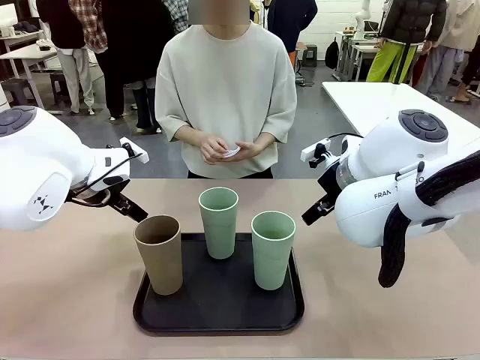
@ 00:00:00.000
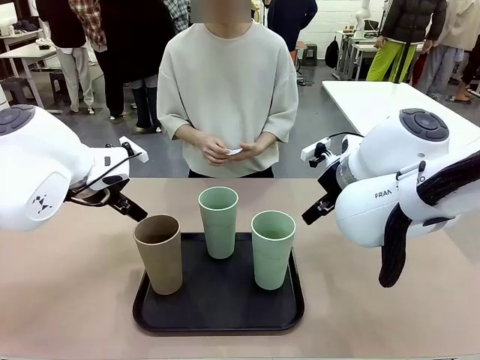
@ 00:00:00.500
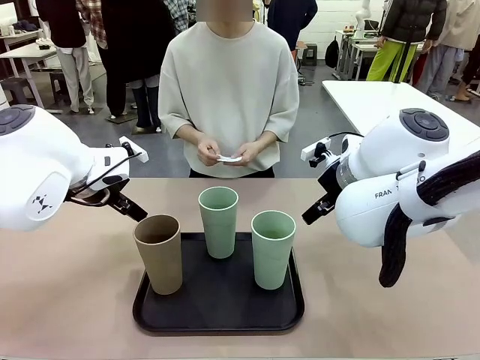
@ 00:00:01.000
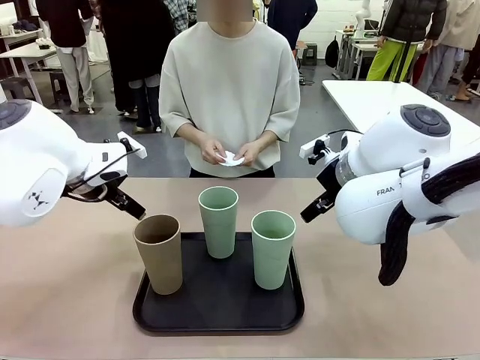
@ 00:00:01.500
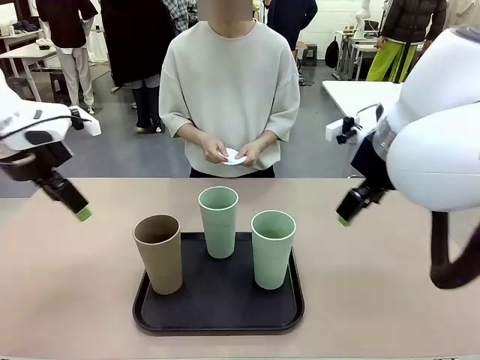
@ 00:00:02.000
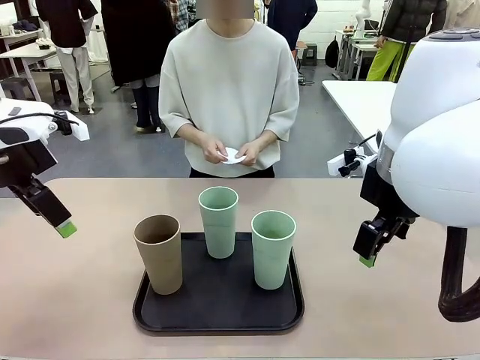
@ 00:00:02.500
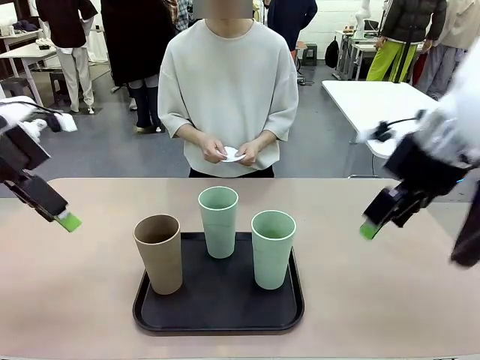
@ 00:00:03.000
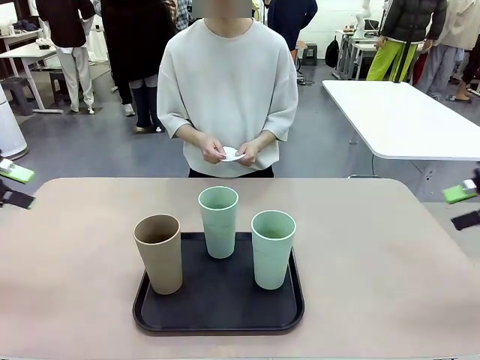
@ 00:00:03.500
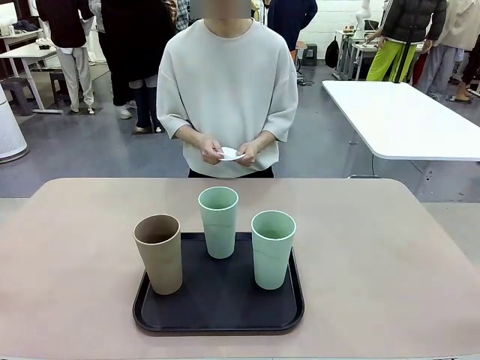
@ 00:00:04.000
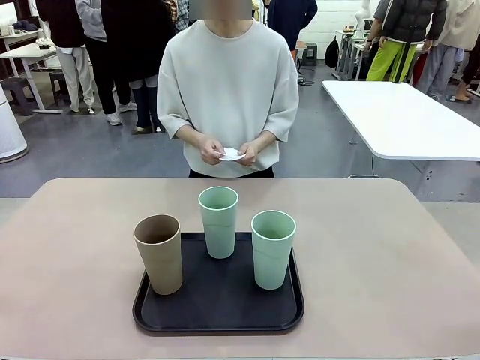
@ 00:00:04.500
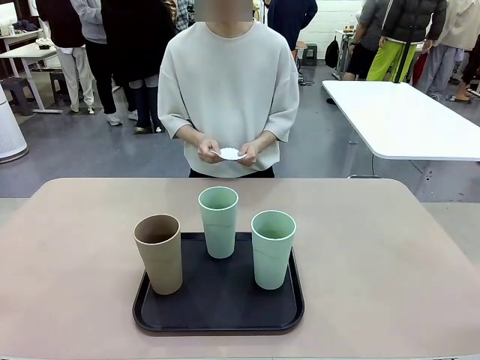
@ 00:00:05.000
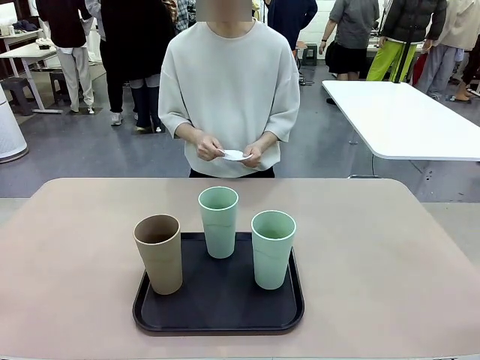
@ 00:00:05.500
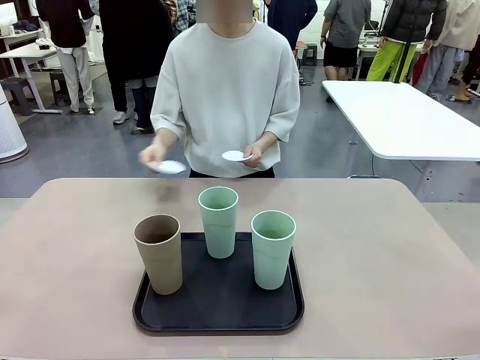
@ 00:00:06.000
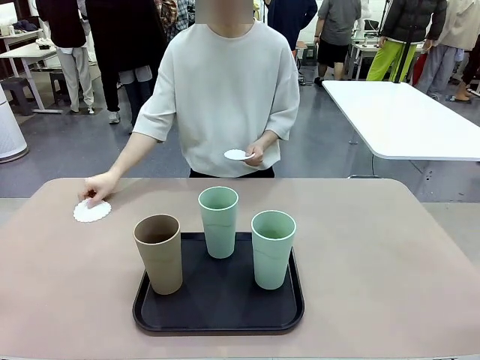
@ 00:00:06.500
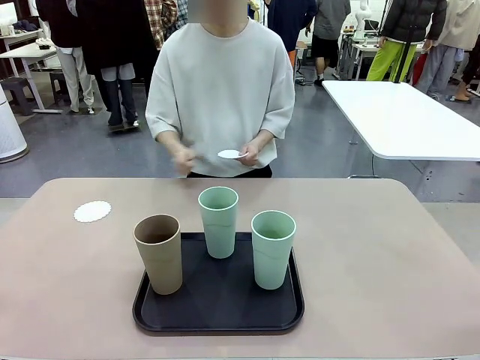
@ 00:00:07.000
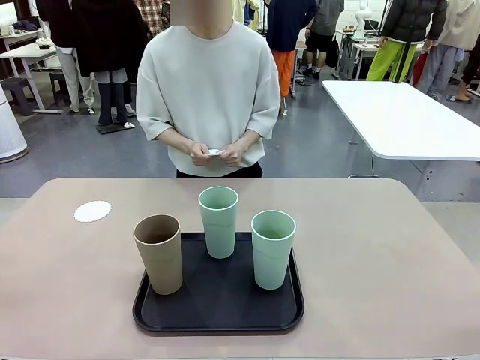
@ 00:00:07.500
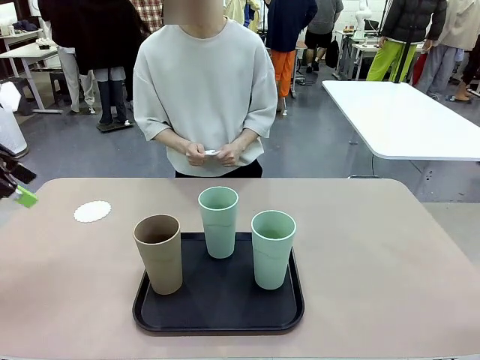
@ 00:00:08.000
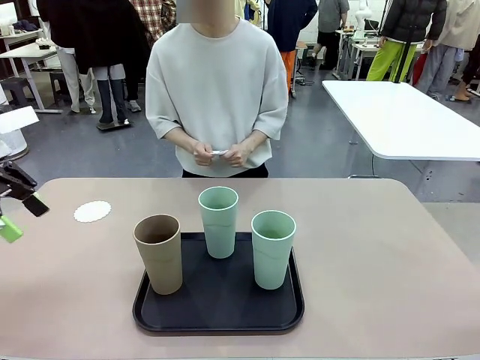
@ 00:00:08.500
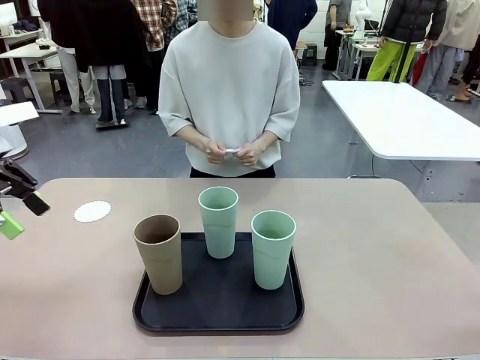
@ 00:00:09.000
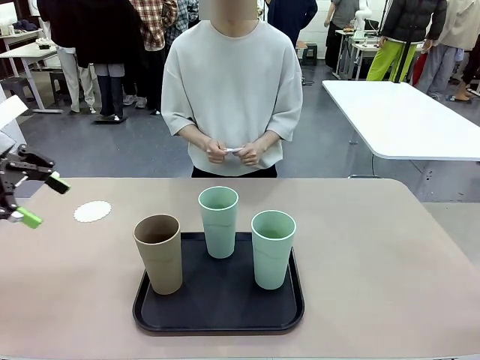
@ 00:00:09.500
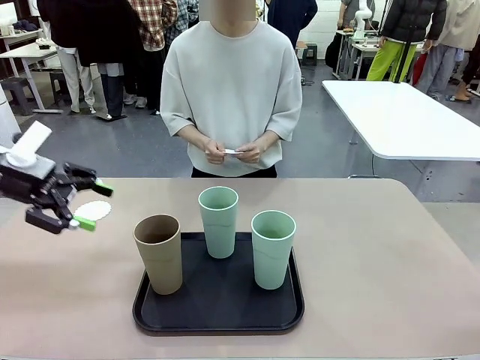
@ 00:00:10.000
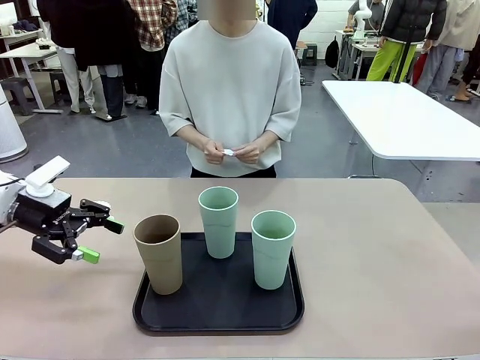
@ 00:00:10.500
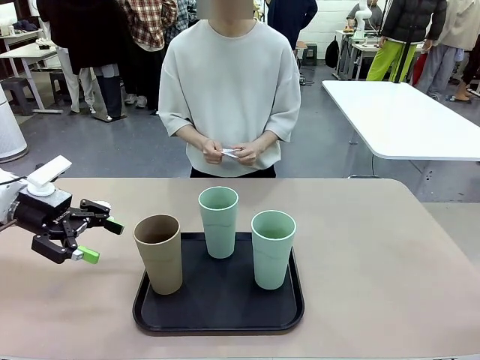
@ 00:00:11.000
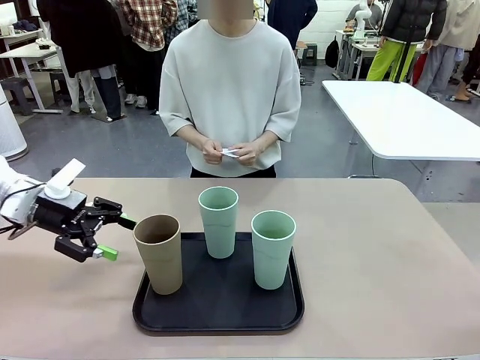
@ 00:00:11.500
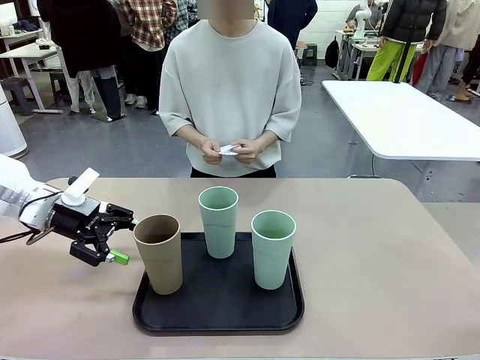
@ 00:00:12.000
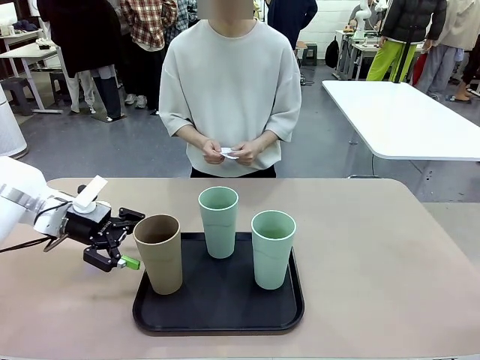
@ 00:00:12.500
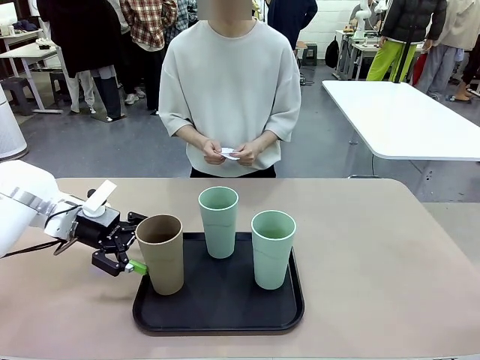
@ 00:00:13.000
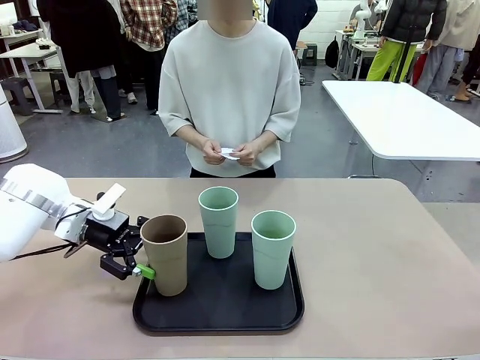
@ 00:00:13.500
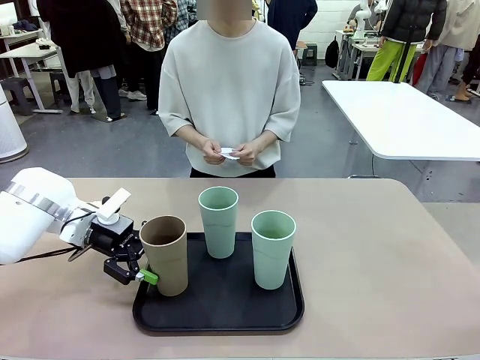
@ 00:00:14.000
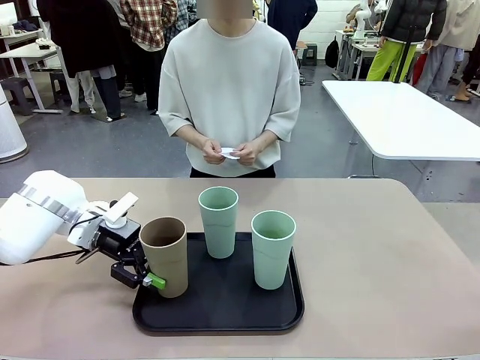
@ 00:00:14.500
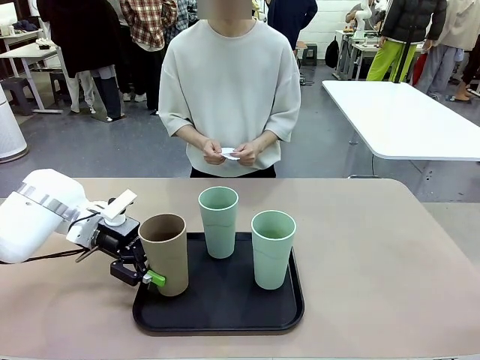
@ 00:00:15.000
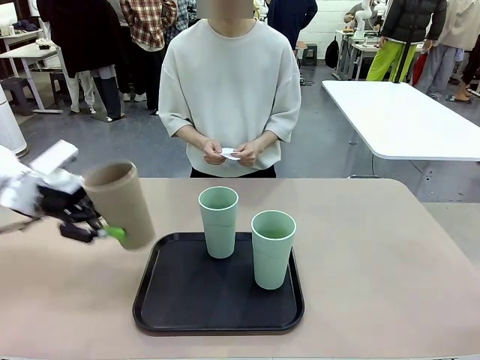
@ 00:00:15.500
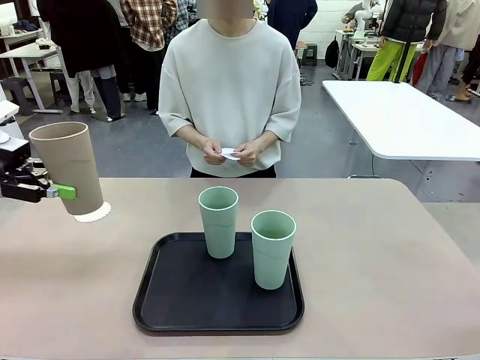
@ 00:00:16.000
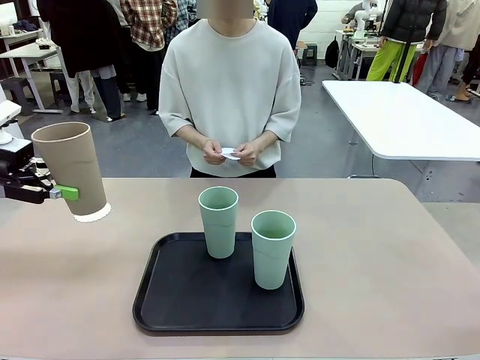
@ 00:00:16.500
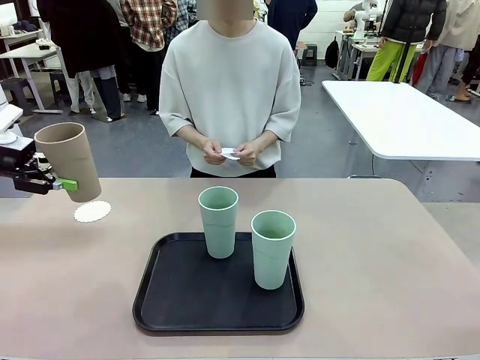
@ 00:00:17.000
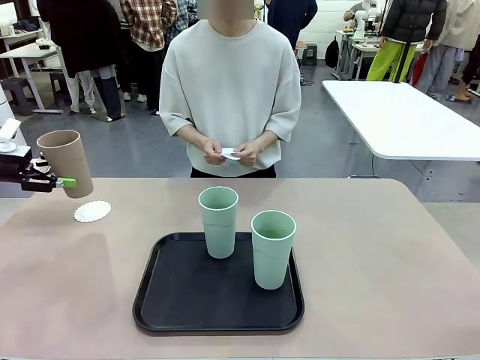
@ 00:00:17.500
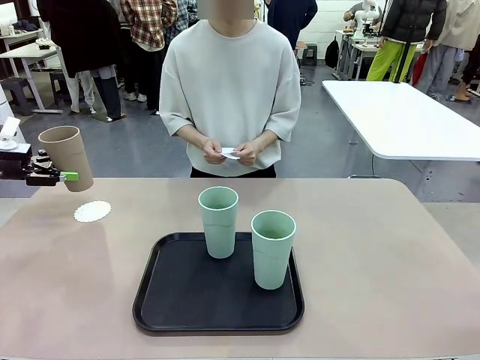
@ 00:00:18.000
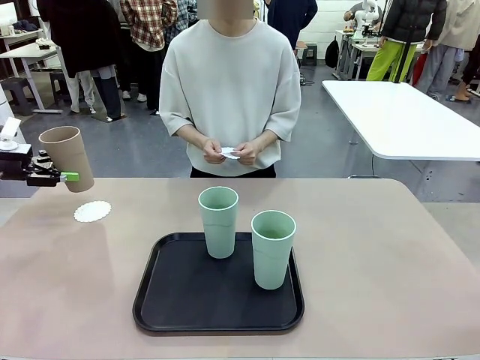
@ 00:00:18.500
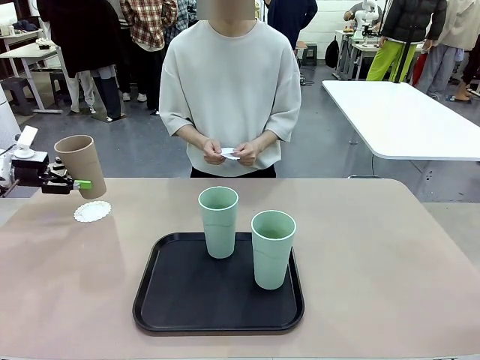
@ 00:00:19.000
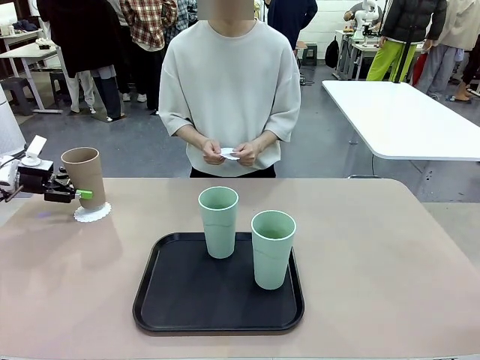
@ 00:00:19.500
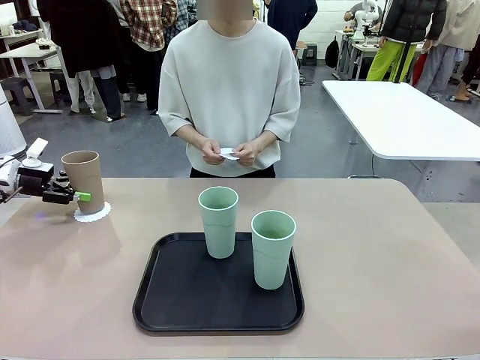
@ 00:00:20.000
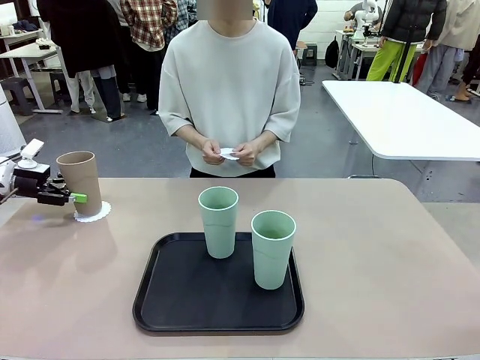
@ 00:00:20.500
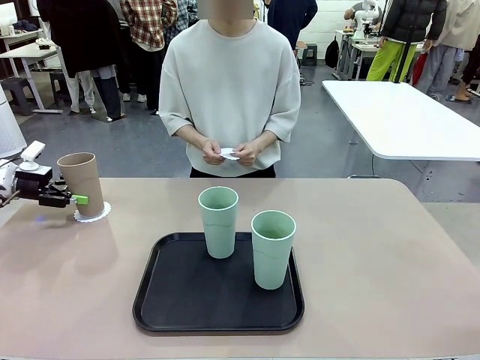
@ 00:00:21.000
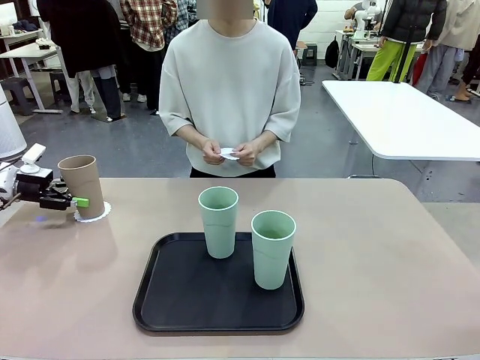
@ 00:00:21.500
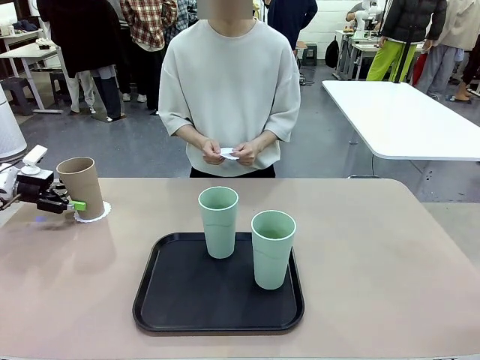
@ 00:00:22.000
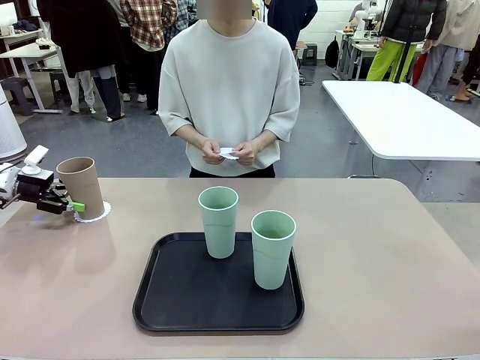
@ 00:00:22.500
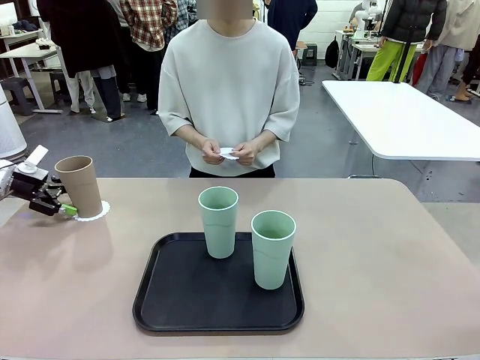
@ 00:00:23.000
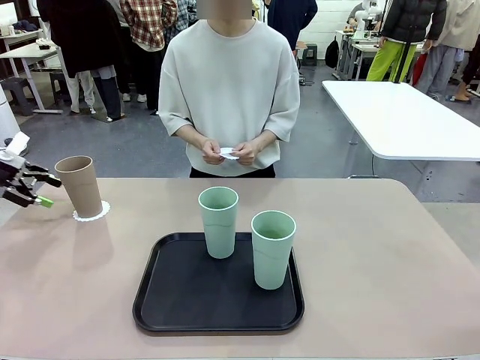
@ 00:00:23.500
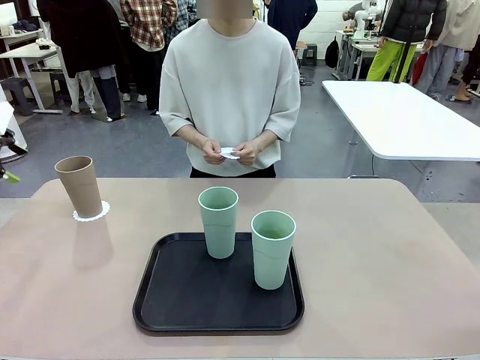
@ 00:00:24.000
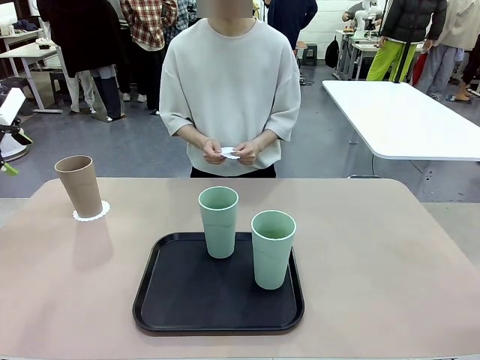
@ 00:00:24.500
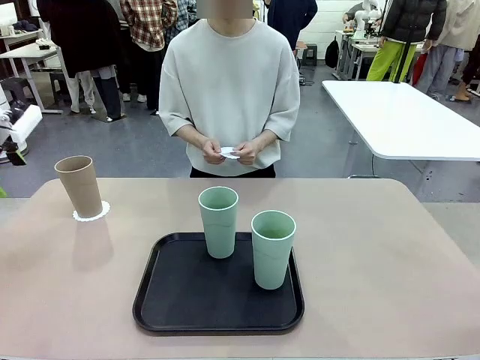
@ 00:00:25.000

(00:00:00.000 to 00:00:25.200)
Task: Place coasters on the table and set cups on them.
Robot: Pick up one Reusable plastic cup and place it on a coaster set by the human.
Person: Place one coaster in any one of the three lower areas of the robot table (left, center, or right). Place one coaster in one of the two areas excluding the previously selected area.
